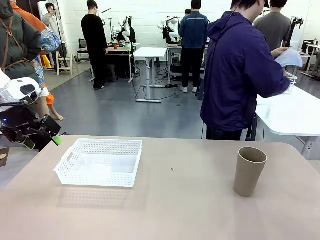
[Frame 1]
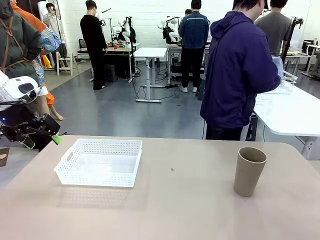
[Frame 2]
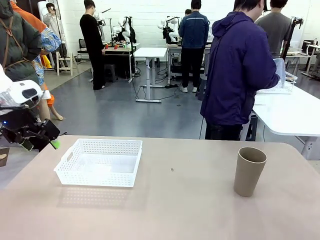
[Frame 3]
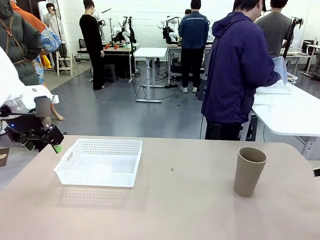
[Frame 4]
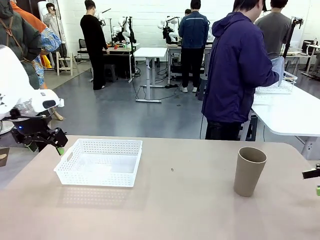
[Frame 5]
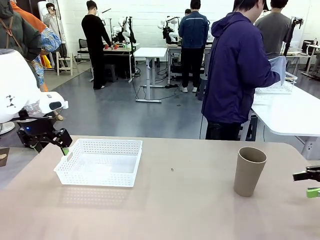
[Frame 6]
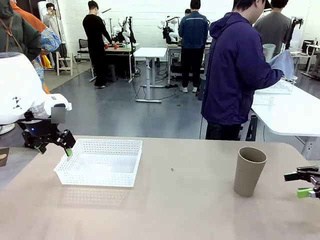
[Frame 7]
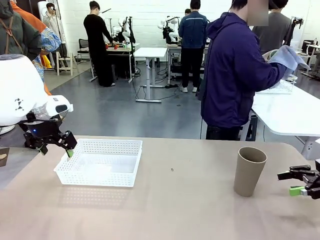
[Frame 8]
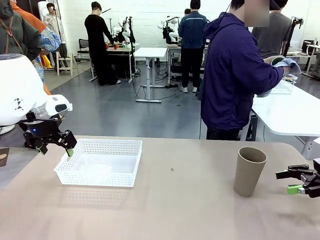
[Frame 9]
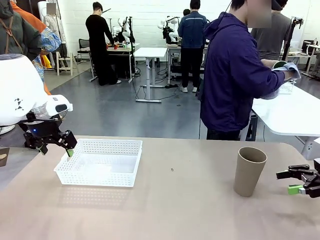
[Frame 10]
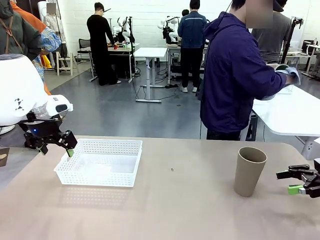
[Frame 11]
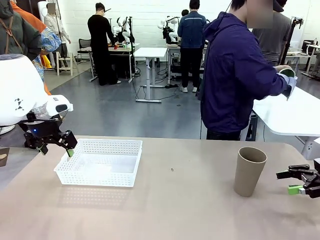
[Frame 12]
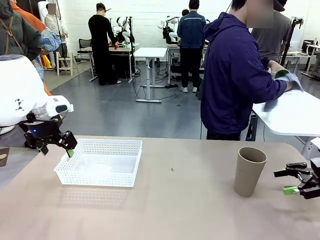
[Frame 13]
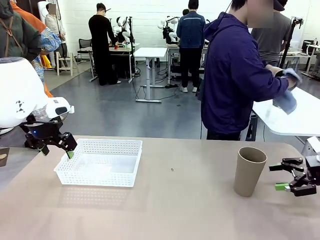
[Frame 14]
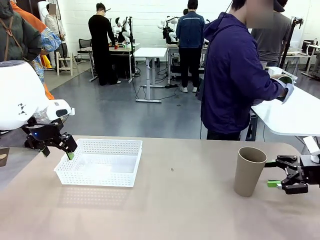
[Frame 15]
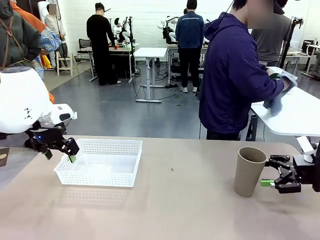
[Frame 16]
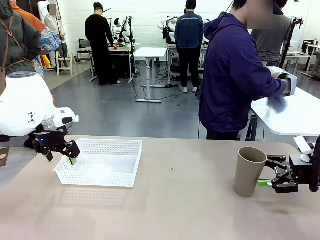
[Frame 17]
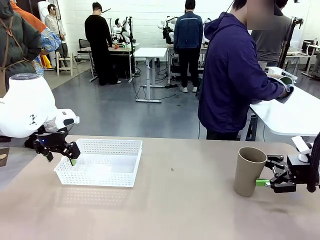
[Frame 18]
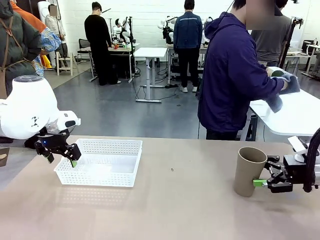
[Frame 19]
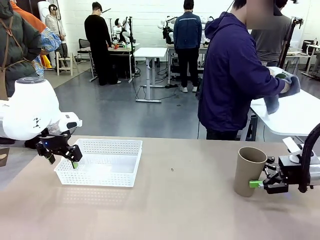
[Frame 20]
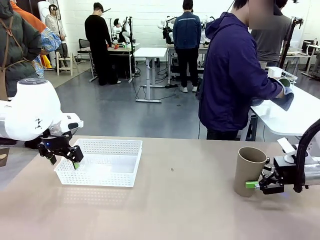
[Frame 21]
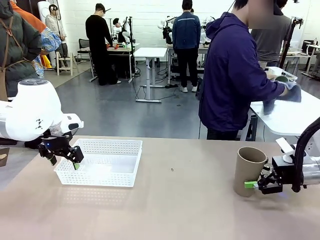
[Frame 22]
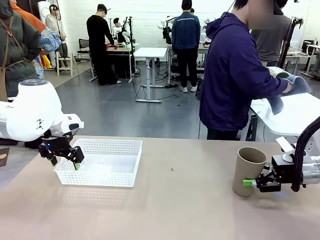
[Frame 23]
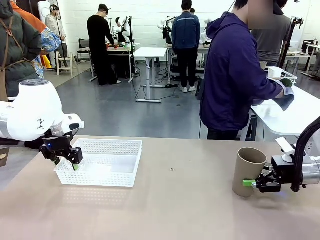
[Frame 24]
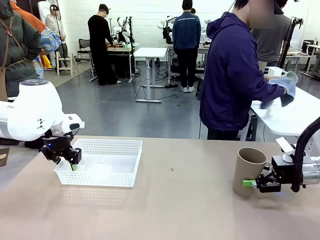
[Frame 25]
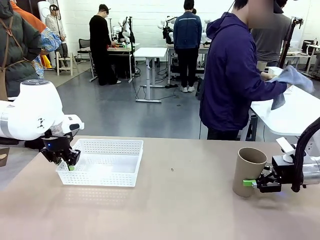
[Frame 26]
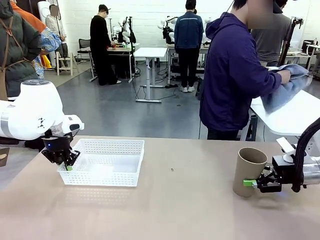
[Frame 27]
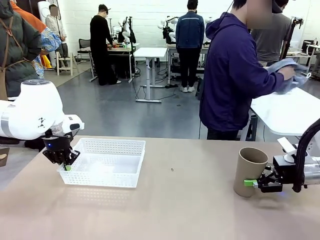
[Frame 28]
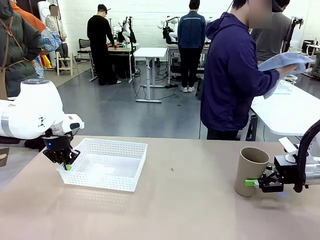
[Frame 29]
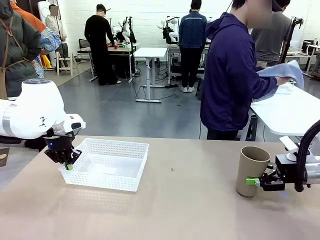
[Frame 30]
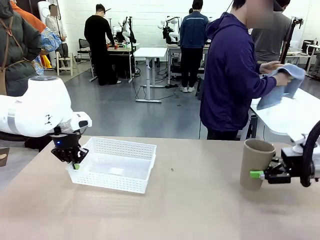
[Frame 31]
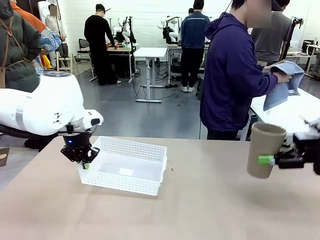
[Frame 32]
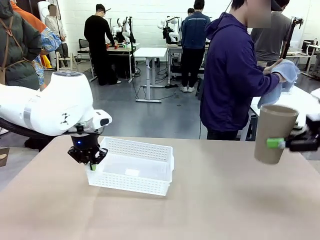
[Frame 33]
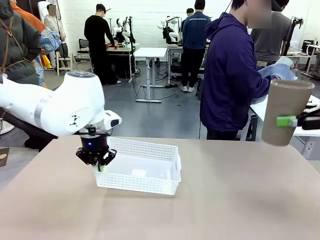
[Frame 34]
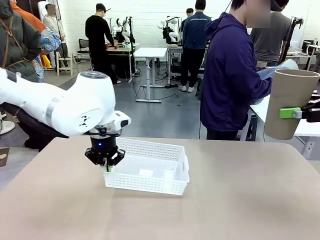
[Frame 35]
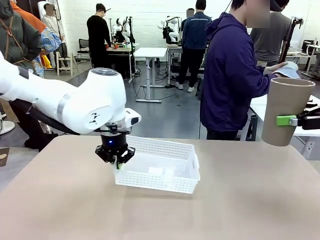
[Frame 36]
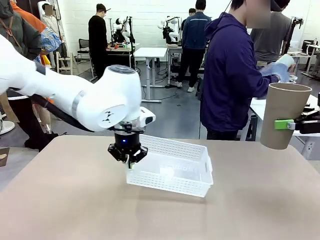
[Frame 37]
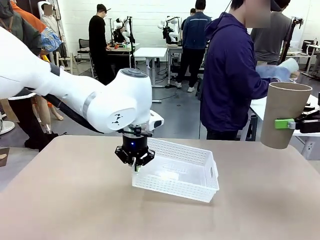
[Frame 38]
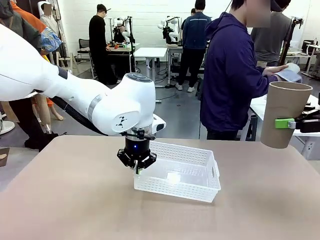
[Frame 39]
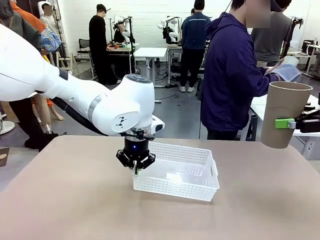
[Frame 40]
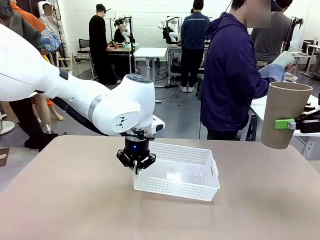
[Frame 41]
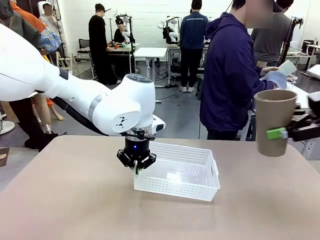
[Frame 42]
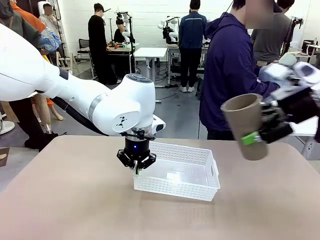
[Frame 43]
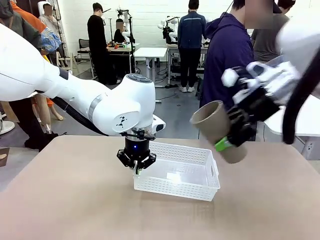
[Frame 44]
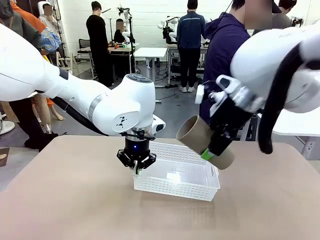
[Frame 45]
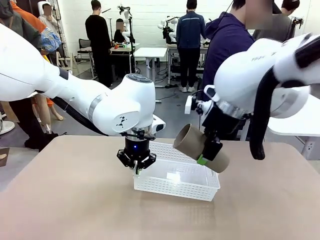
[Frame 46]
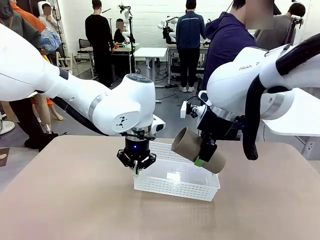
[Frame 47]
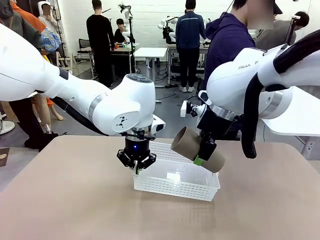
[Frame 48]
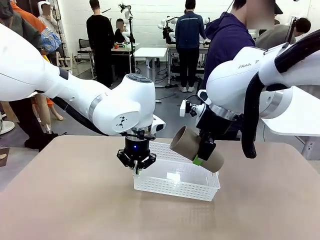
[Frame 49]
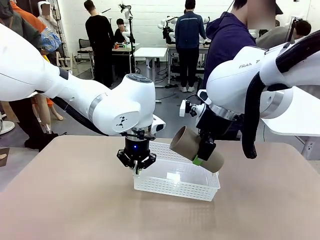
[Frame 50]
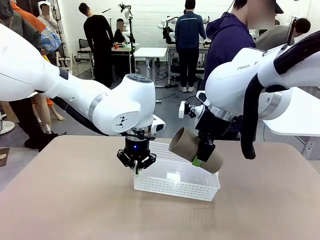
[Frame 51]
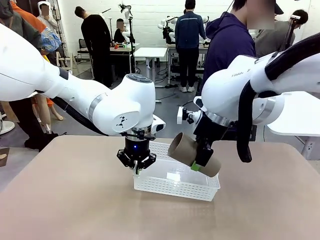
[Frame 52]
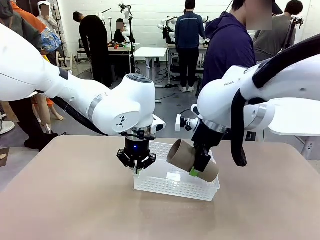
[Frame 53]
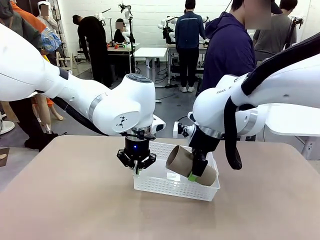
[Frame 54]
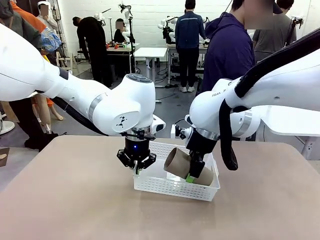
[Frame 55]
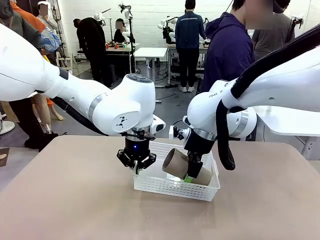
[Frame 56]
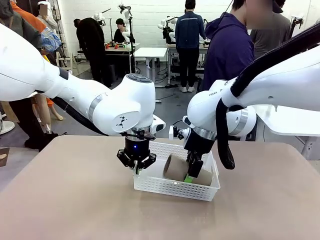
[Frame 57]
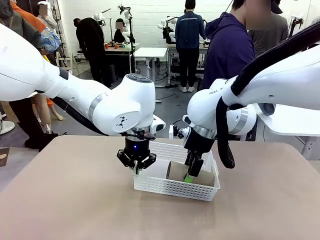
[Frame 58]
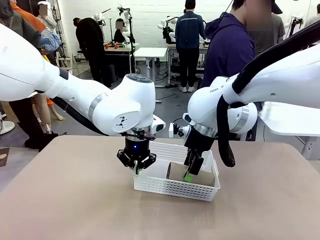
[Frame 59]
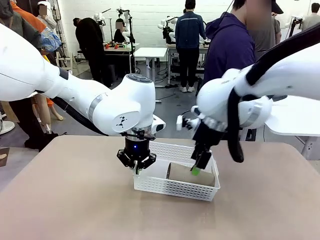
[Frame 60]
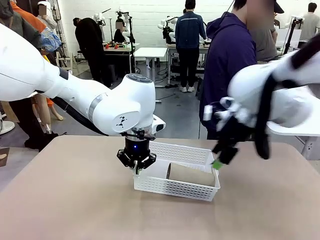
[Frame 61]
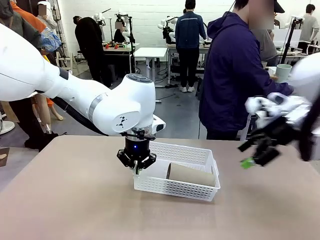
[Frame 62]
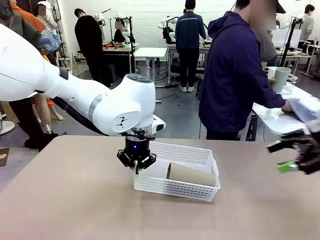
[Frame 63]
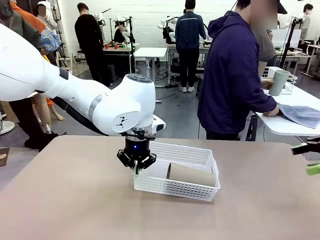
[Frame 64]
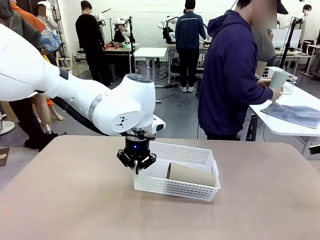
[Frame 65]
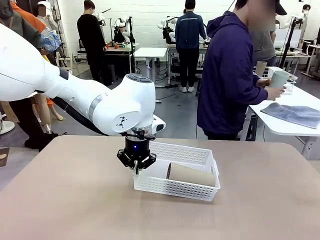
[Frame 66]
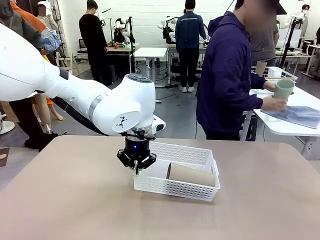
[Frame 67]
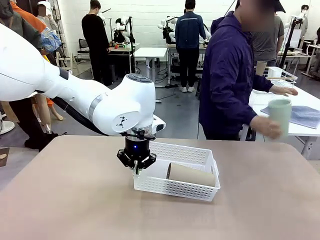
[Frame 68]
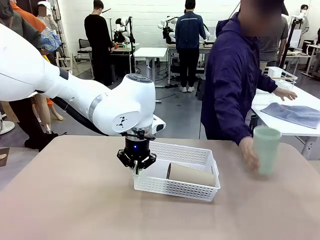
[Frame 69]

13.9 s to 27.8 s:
Task: Clean and organize the cups into the basket.
Robot: Pick up the Organizing basket and move it to the center of the table, then pick up the Reusable plastic cup from the right side of the table and place it inside the Organizing basket.
